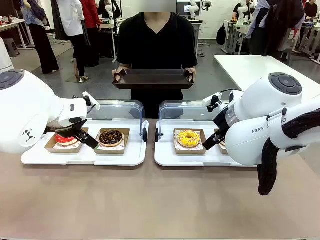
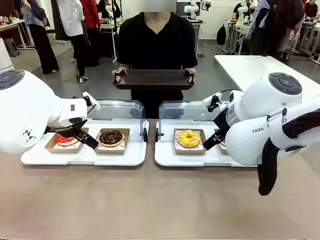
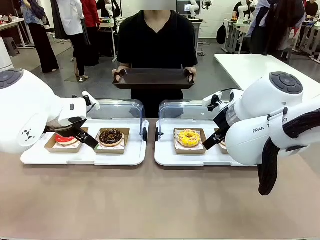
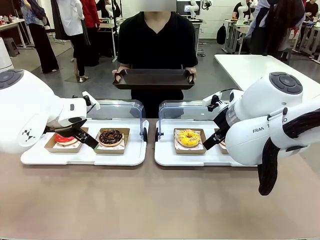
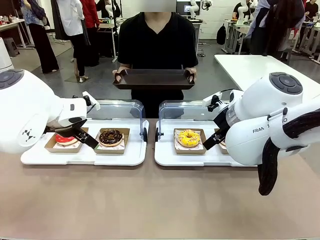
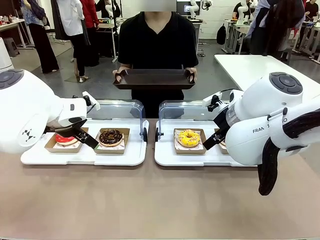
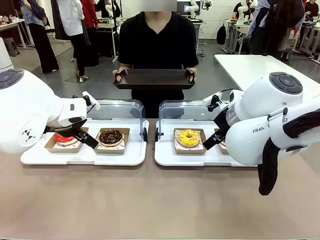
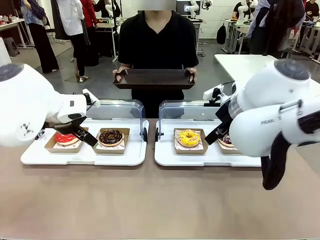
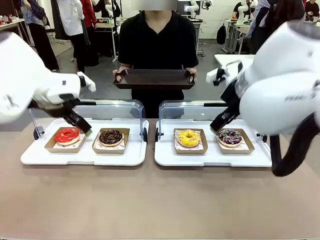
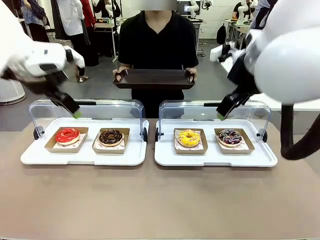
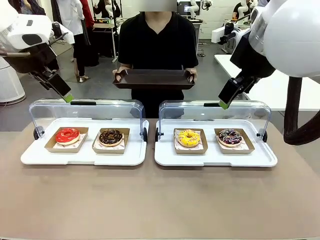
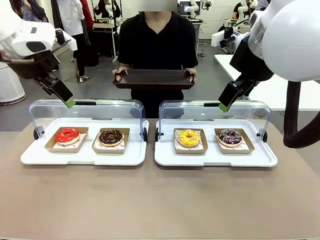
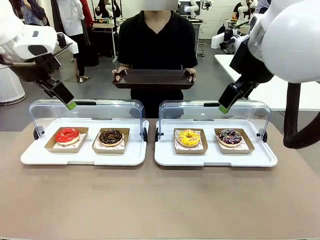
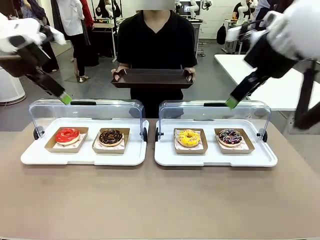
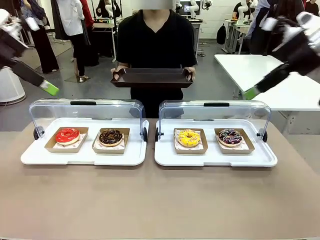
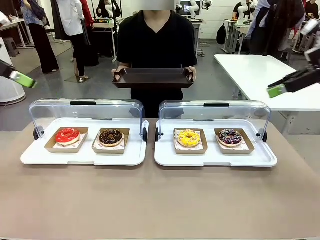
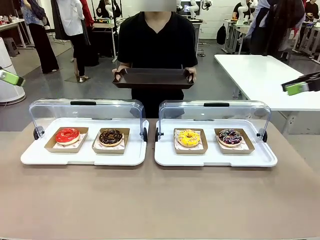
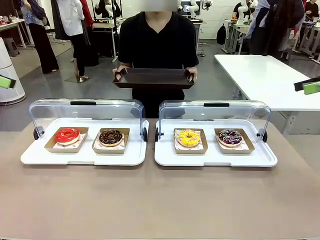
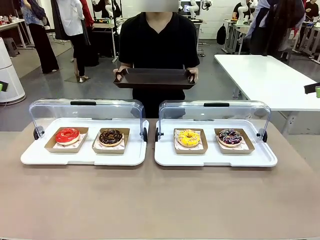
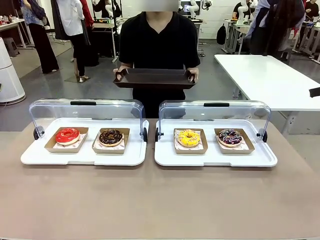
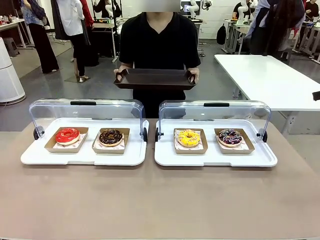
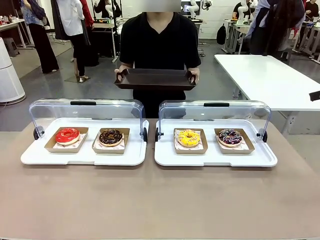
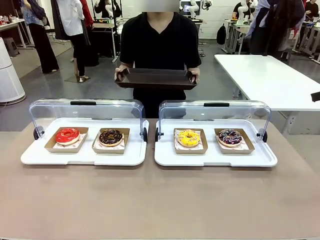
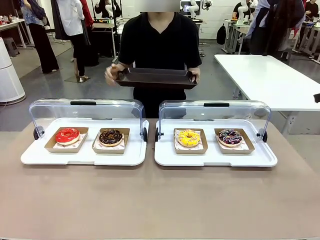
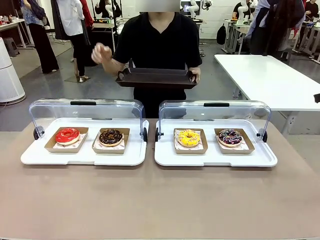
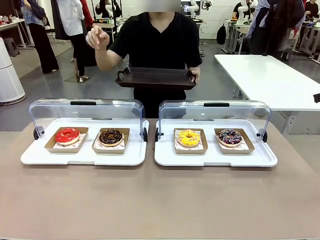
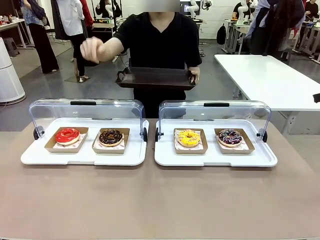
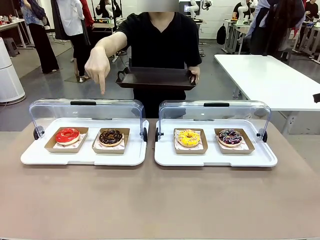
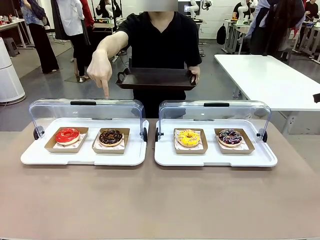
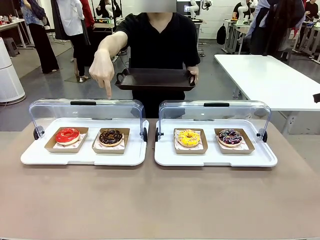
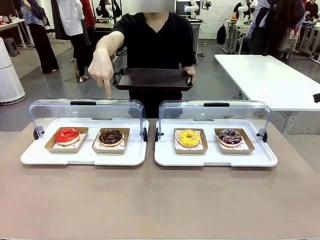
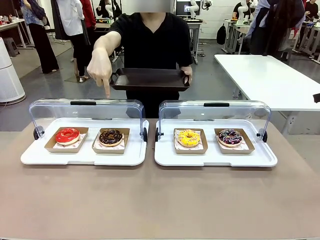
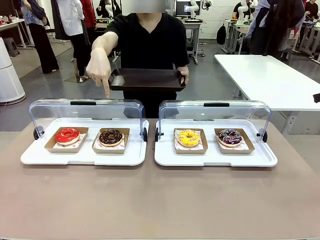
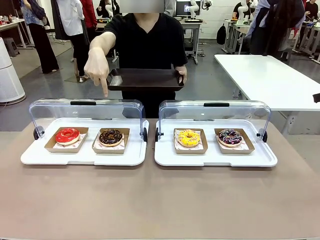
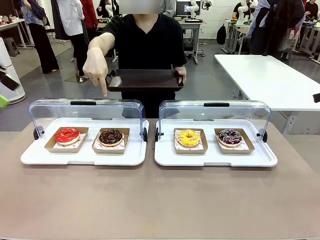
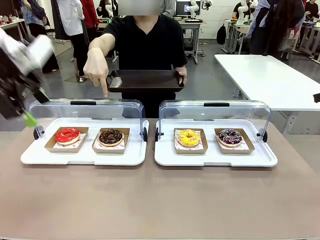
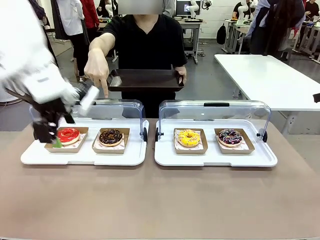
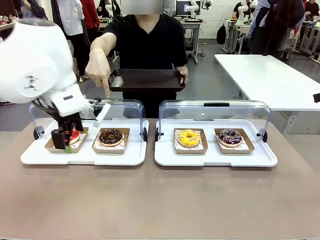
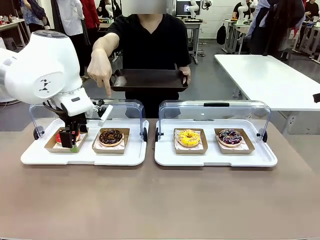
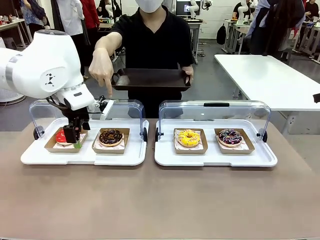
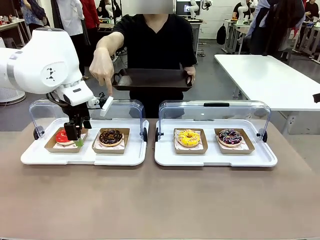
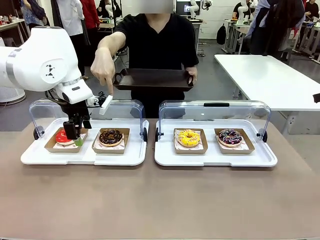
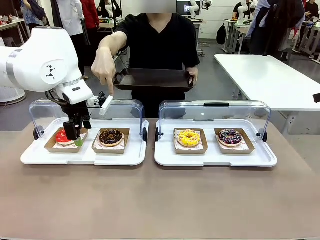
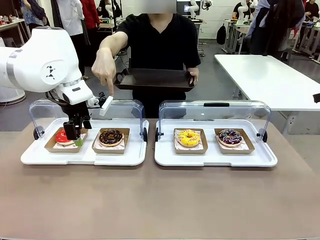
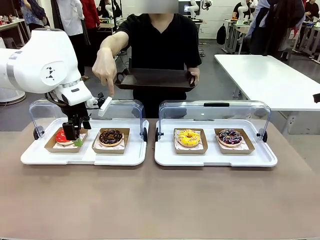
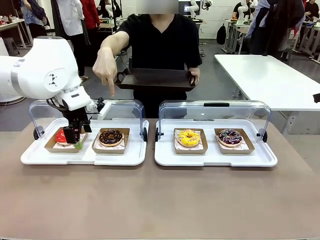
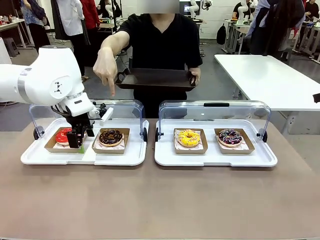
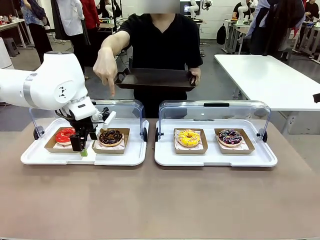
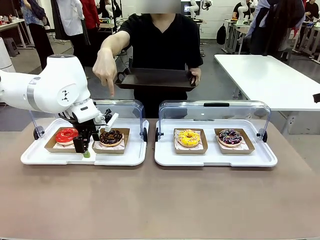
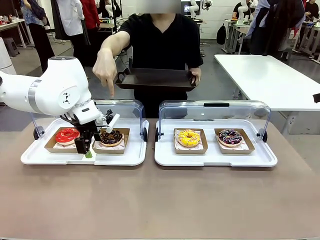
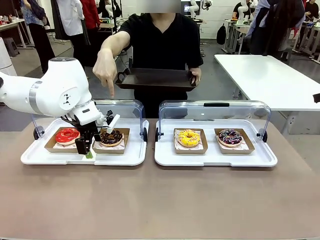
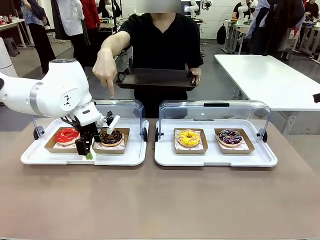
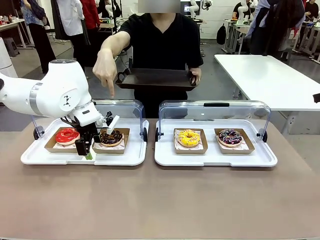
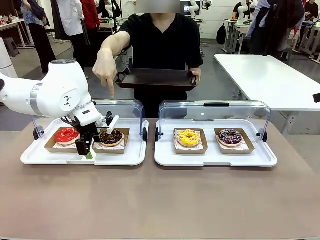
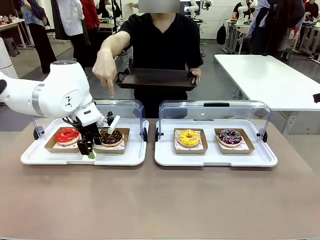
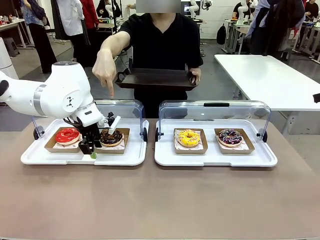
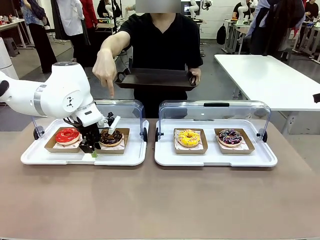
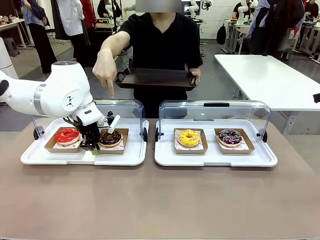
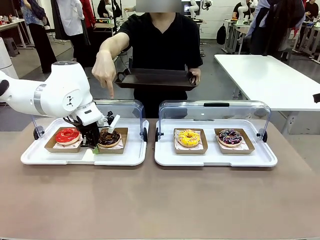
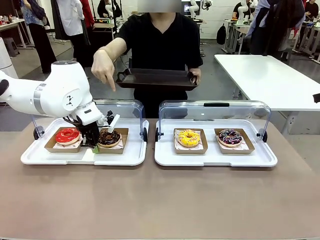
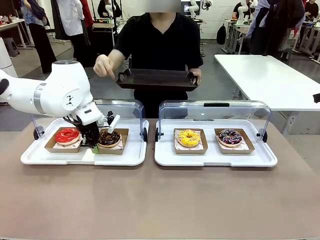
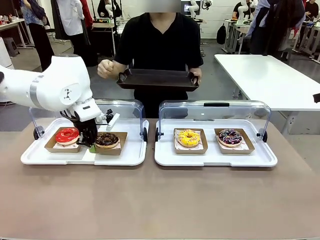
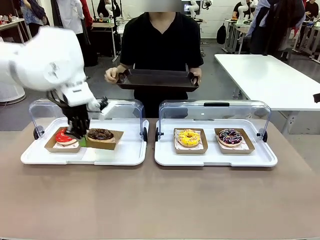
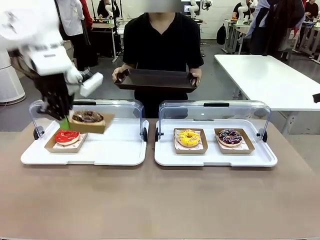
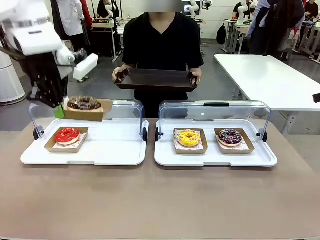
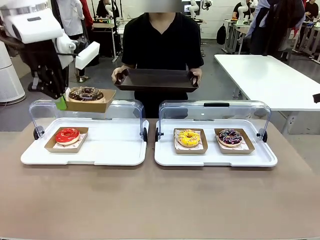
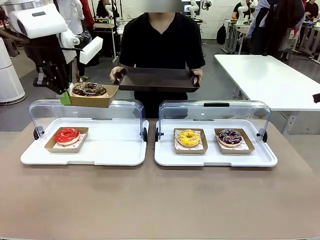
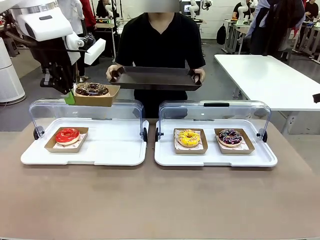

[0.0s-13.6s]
Task: Provide the desired donut to the person.
Robot: Pick up and lift the Paper togo box containing the Donut pointed at by the person.
Person: Point to one donut. Lift the tray onto the Roll-Top Bakery Case.

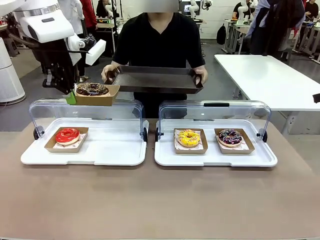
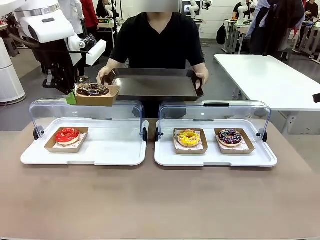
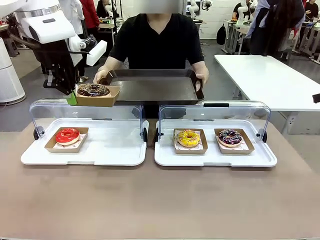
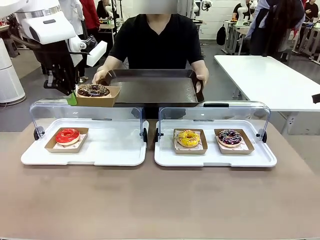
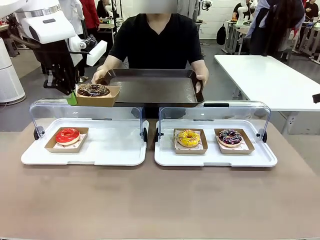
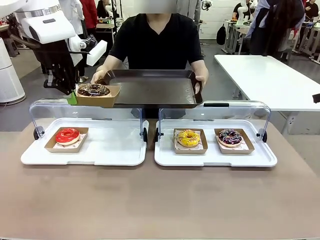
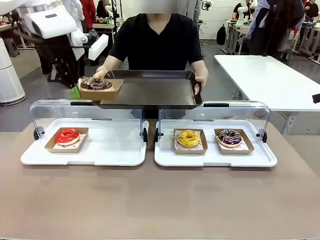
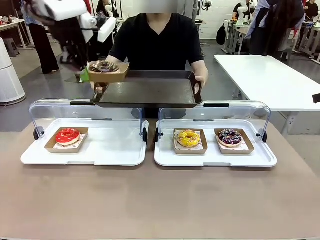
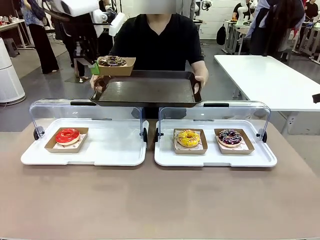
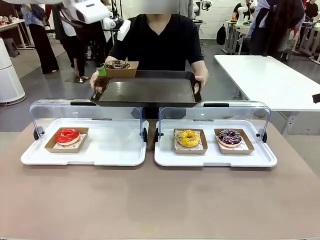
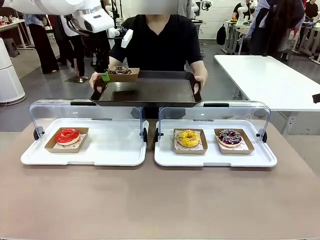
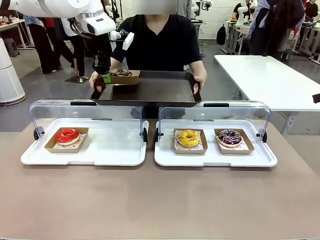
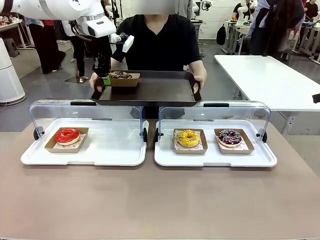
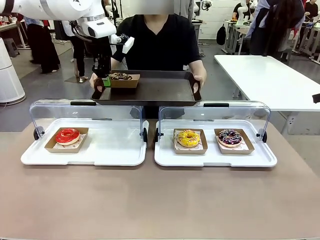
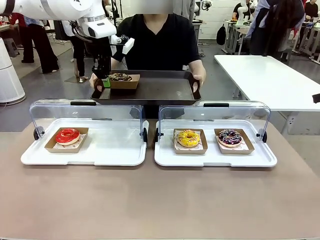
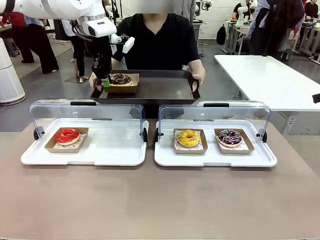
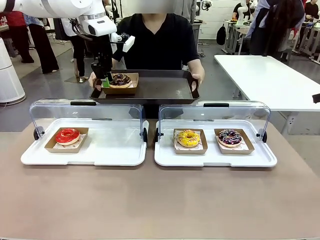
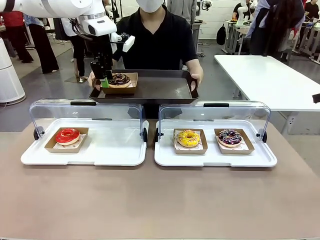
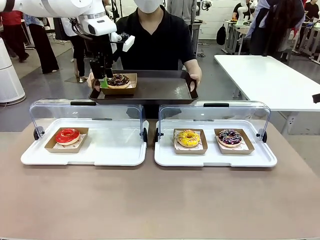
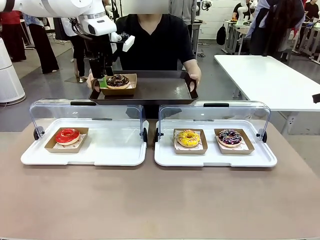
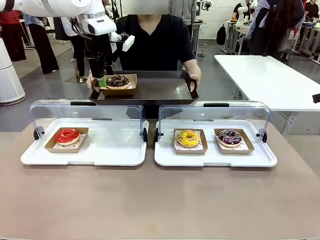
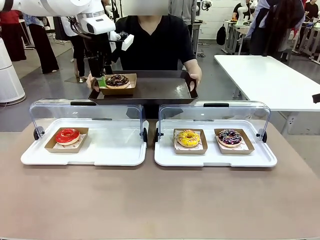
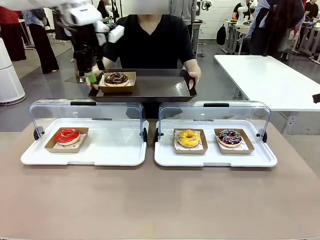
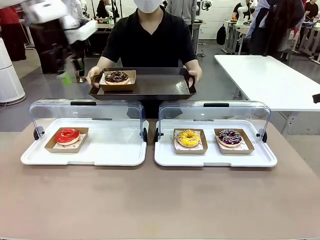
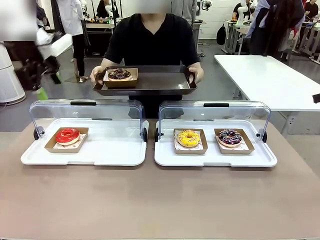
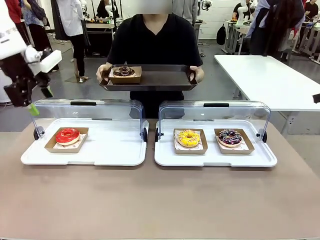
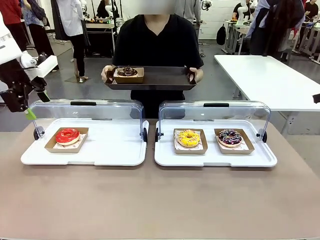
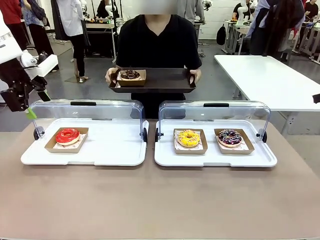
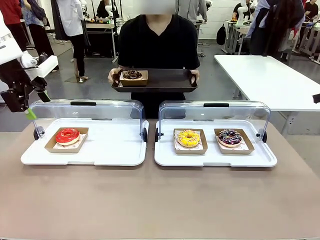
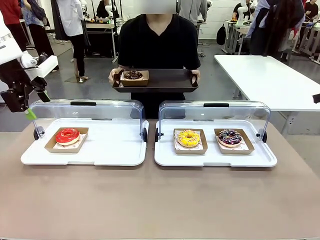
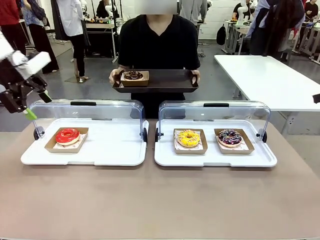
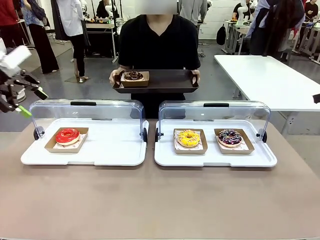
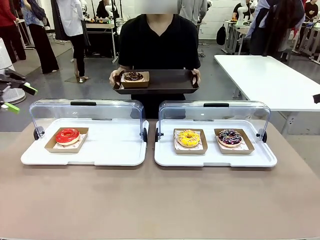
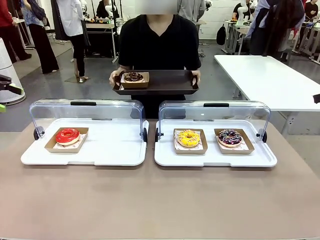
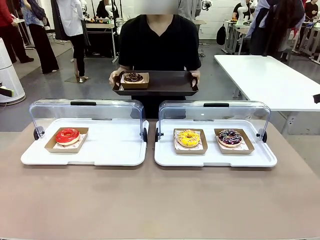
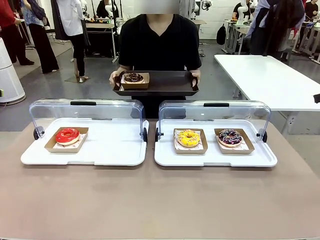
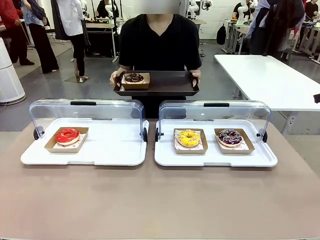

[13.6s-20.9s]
Robot: Place the picked Paper togo box onto the Handle tray extended by the person.
Person: Point to one donut.
